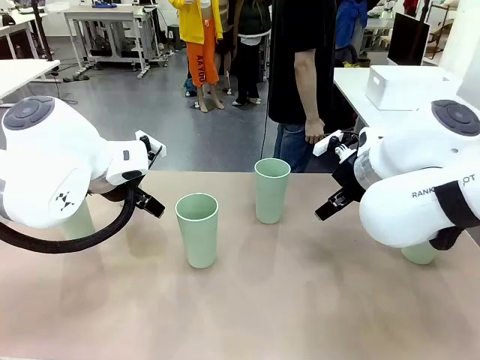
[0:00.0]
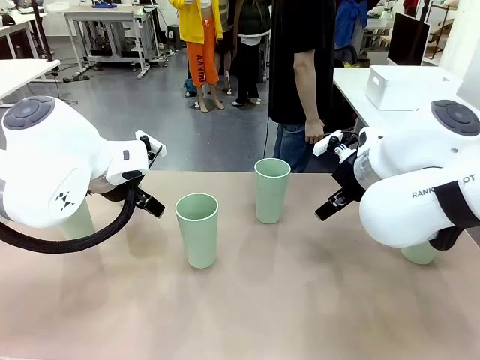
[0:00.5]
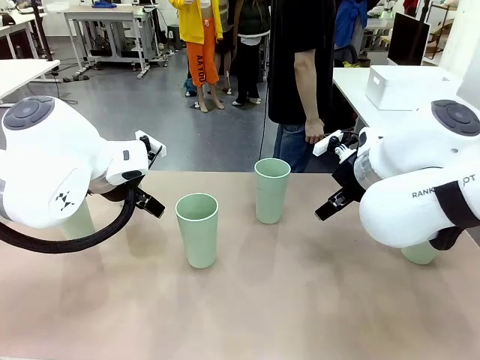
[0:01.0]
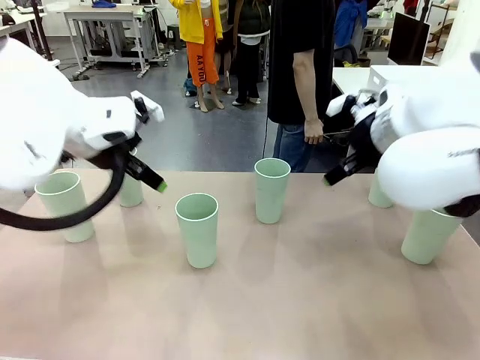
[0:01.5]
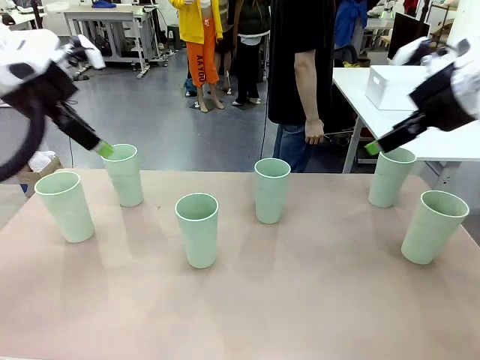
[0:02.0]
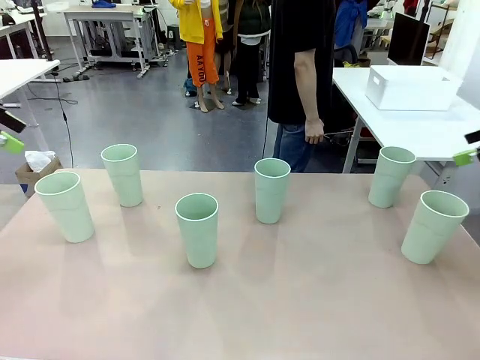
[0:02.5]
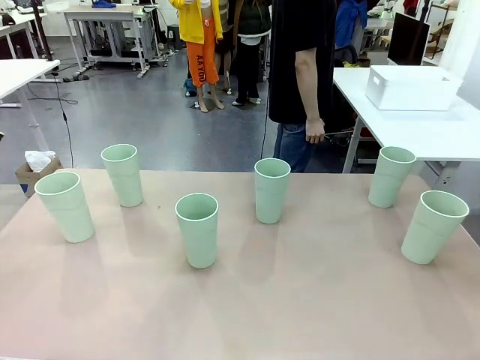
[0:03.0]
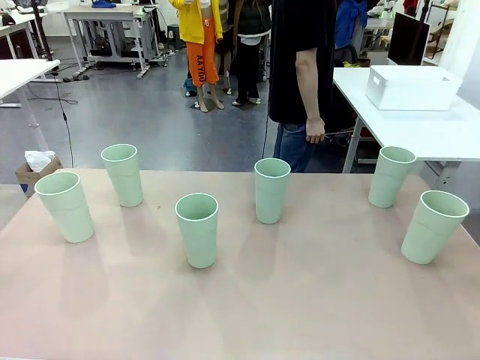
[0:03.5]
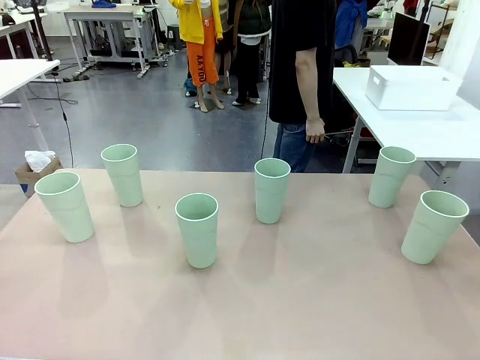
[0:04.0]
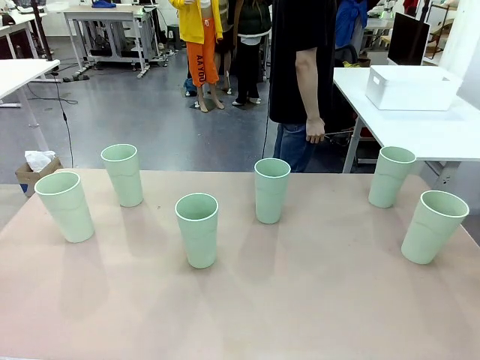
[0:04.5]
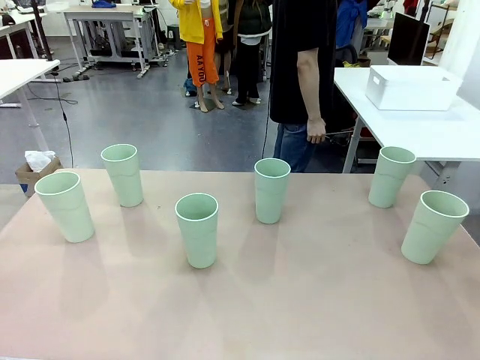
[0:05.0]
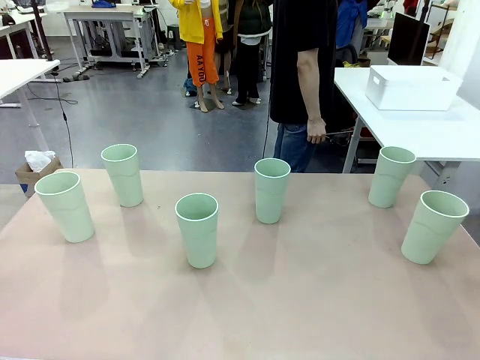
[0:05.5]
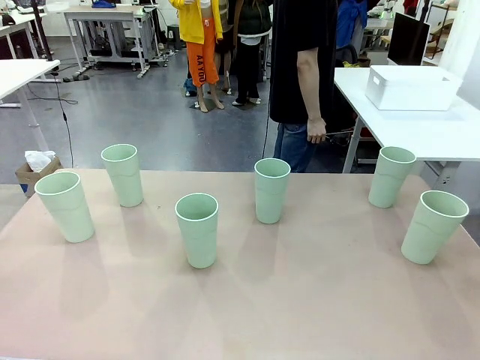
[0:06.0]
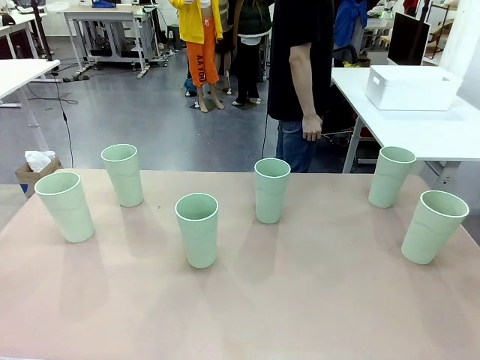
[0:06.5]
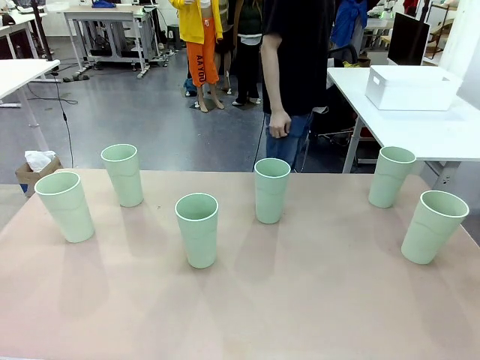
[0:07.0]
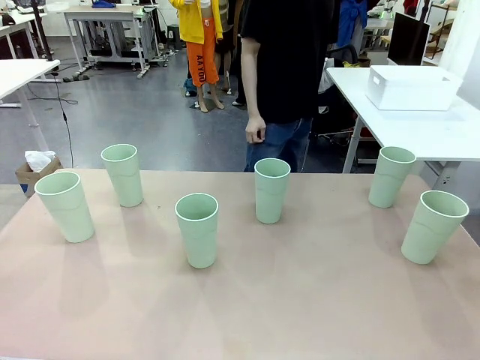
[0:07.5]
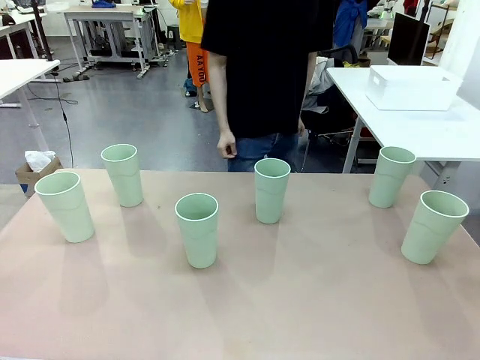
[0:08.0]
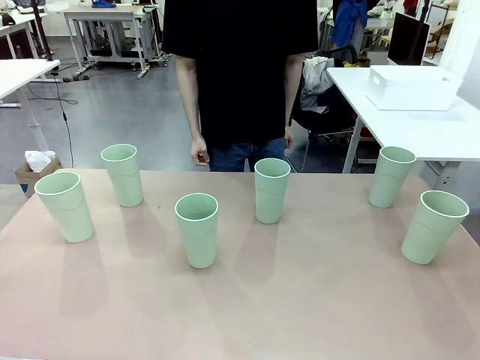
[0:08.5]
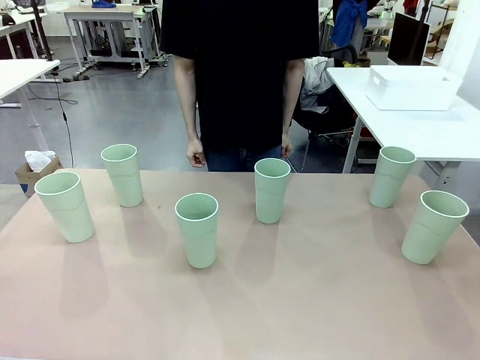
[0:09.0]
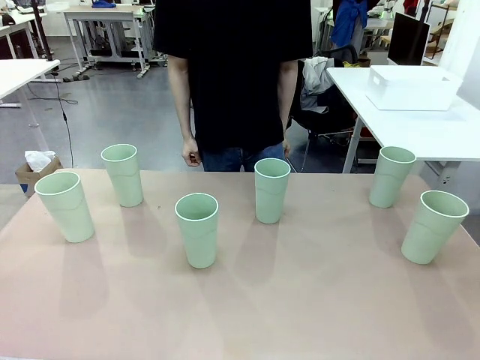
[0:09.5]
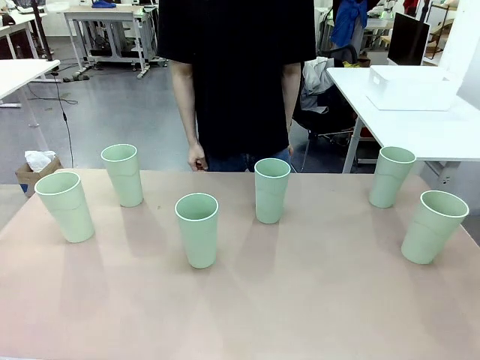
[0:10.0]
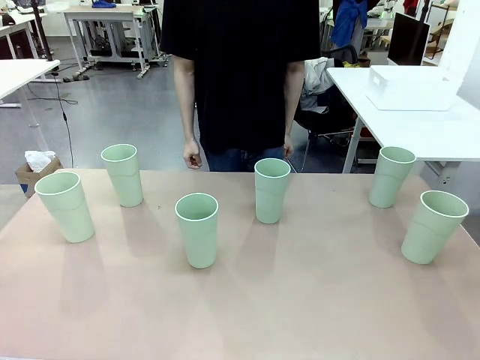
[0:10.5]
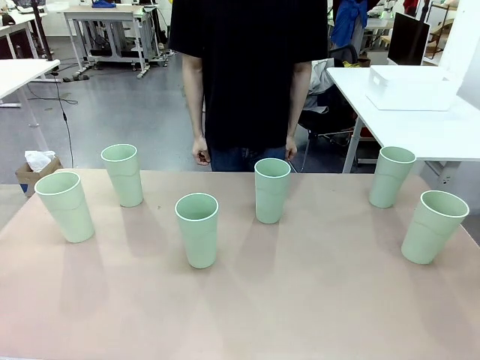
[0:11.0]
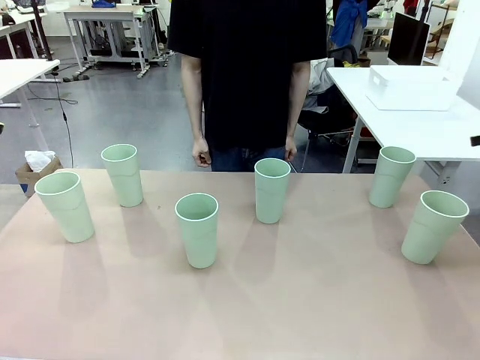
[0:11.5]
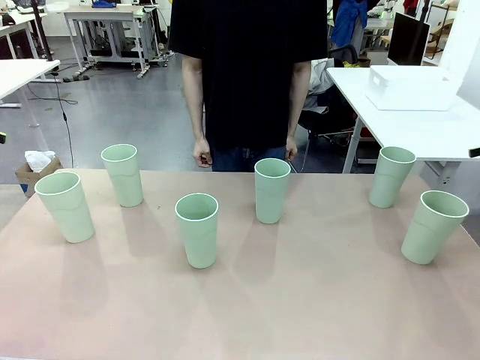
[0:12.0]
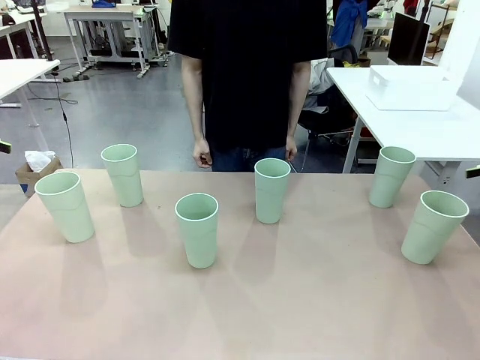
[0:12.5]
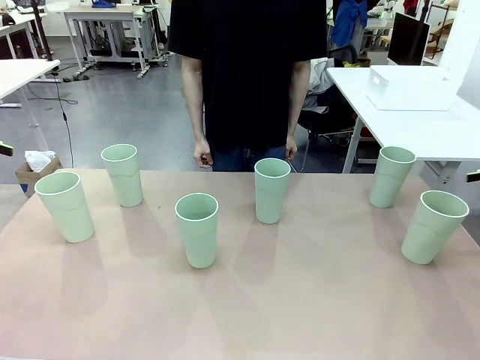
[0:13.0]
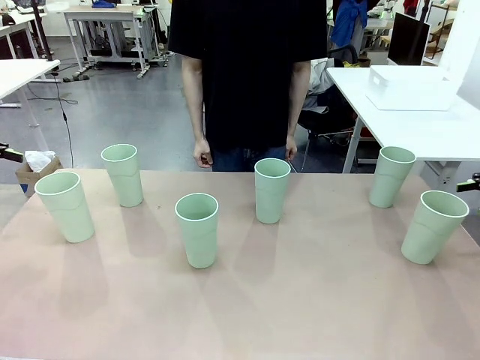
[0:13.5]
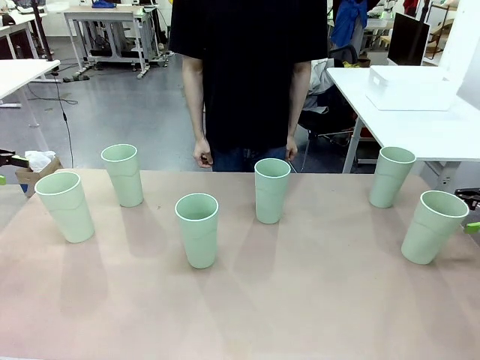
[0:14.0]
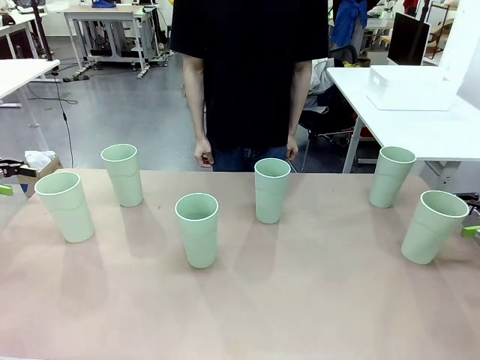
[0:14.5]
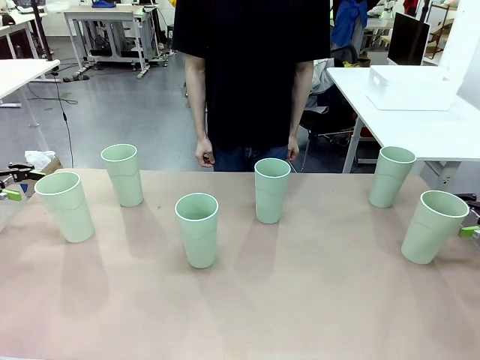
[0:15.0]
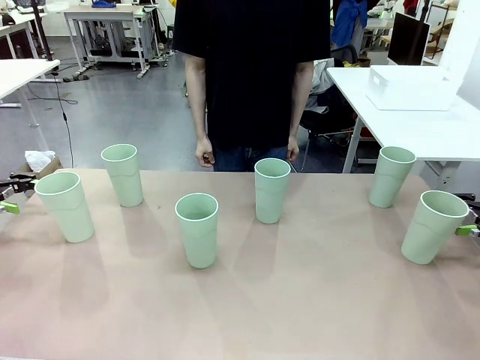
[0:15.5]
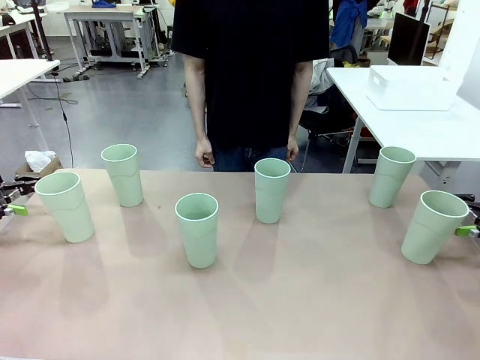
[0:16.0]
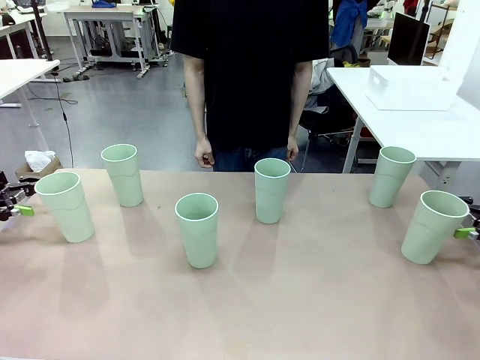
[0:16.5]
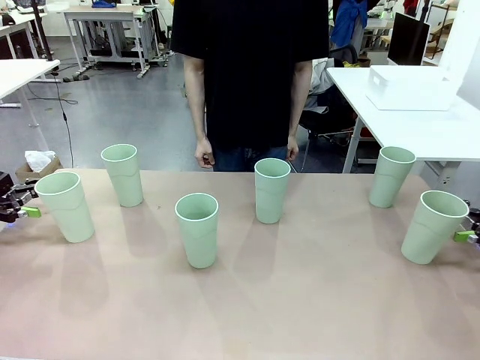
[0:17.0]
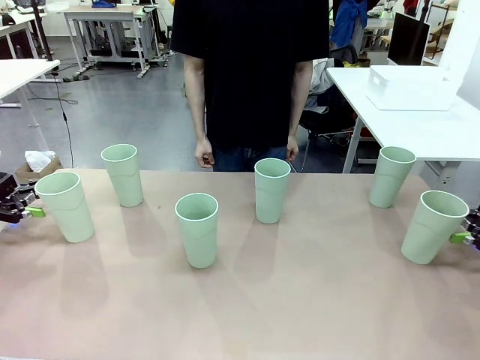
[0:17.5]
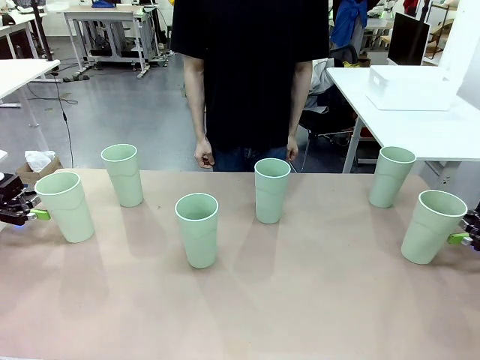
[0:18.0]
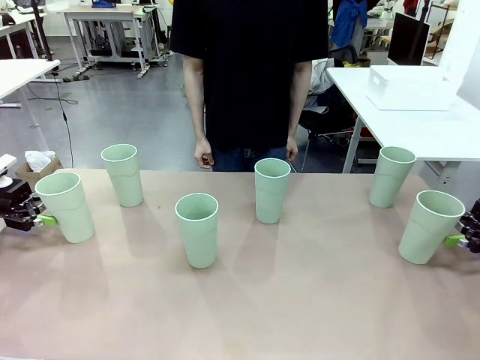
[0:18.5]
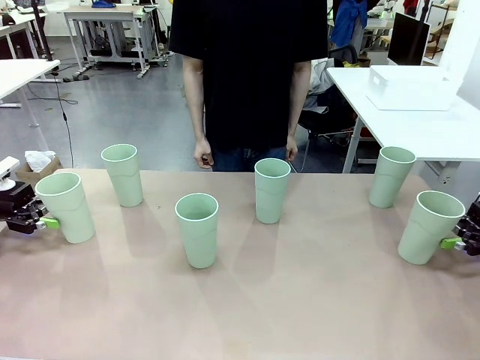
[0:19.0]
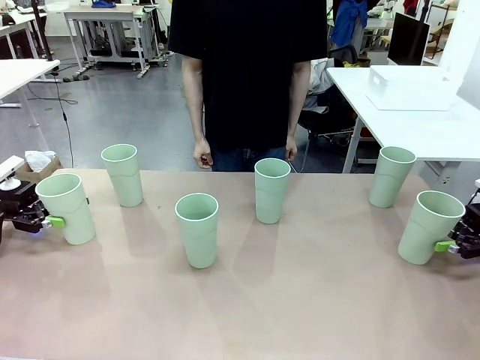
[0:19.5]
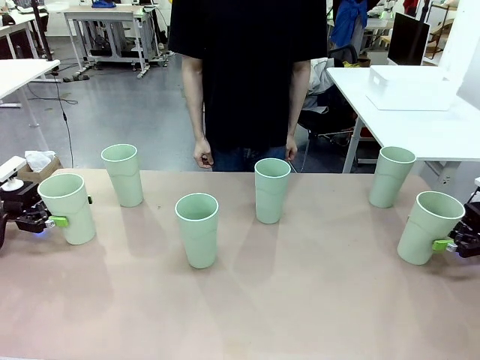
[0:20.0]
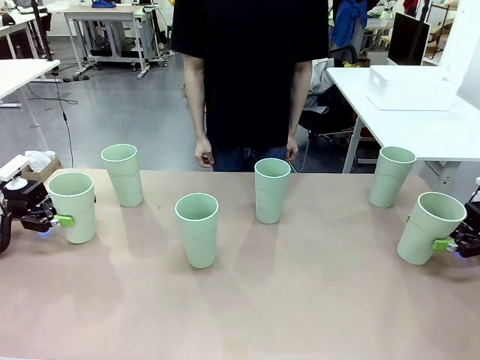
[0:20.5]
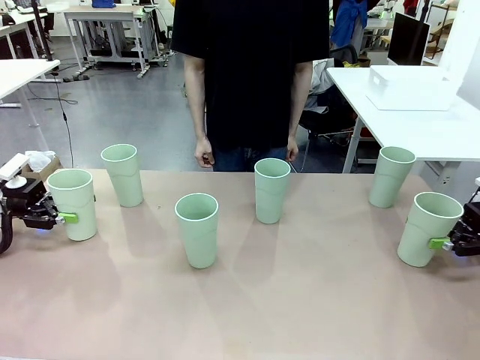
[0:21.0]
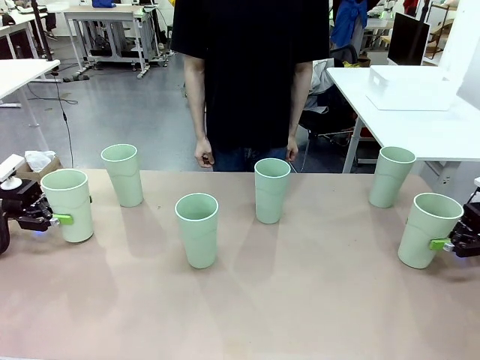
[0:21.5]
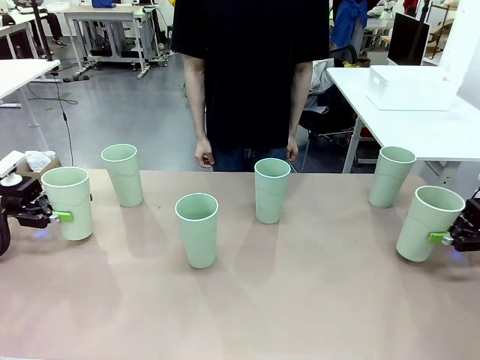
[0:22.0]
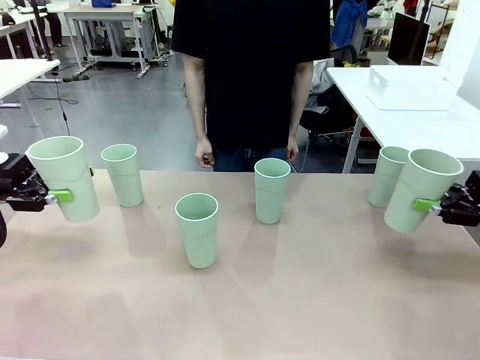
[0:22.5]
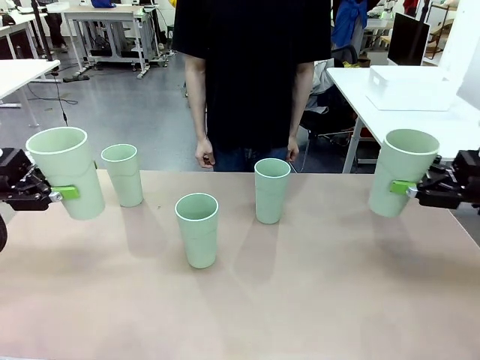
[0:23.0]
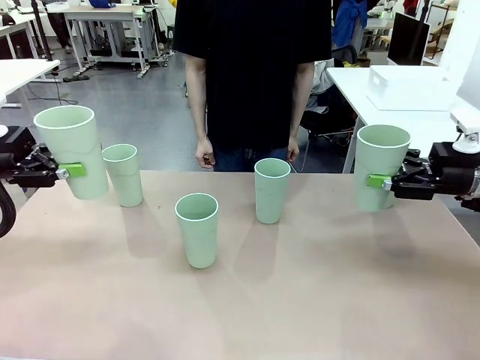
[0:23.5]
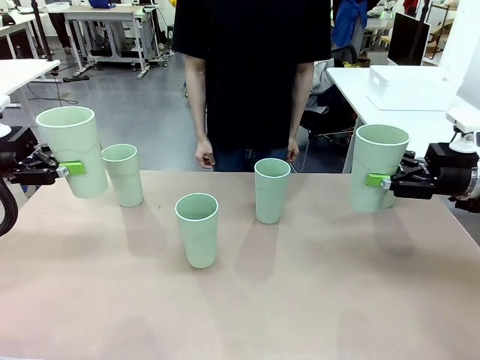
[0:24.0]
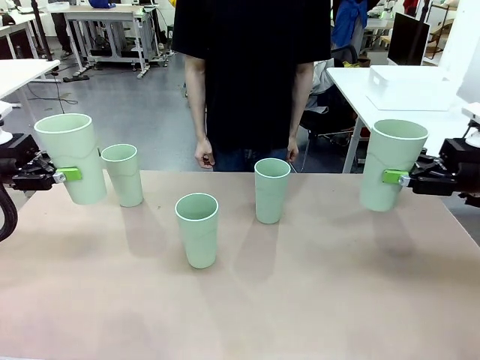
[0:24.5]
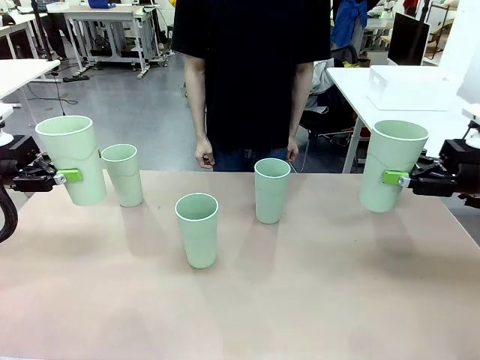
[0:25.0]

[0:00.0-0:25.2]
Task: Stack the cups and store them in the basket.
Robot: Pick up two Reusable plastic cups , one in each hand.
Person: Move from the Human Table to the front of the Robot Table. Stack two of the remaining cups on top of each cup held by the robot.
